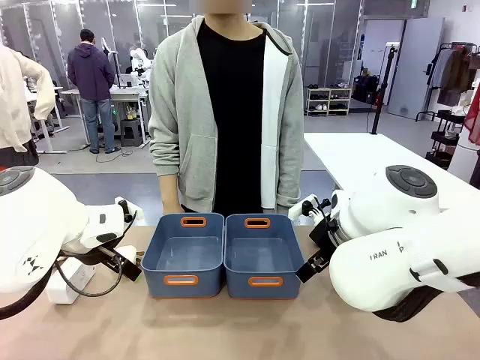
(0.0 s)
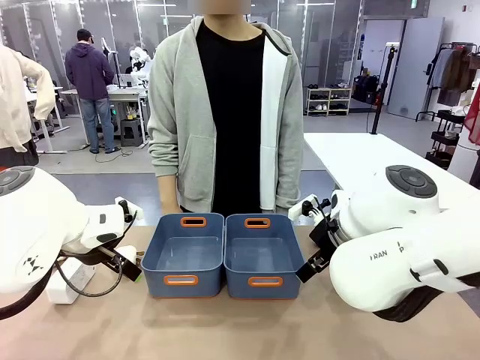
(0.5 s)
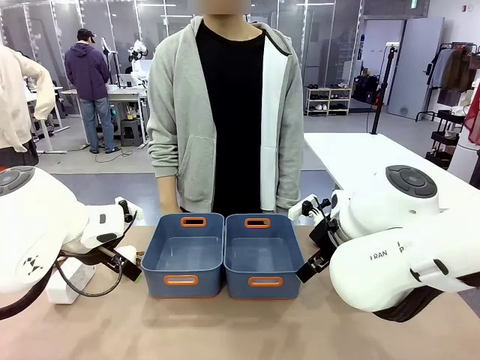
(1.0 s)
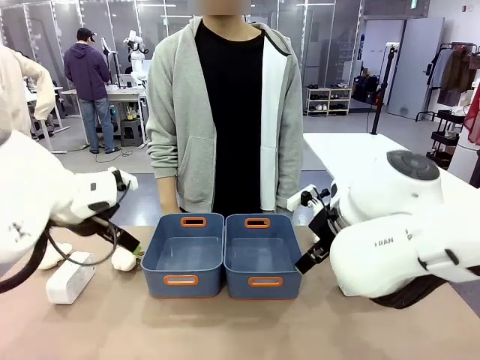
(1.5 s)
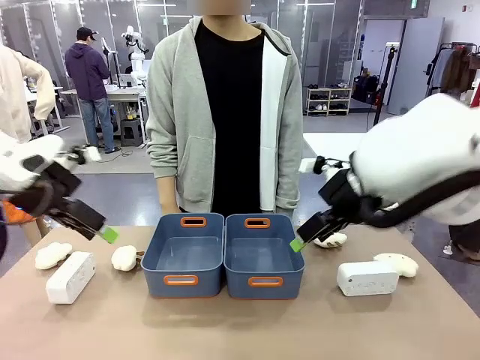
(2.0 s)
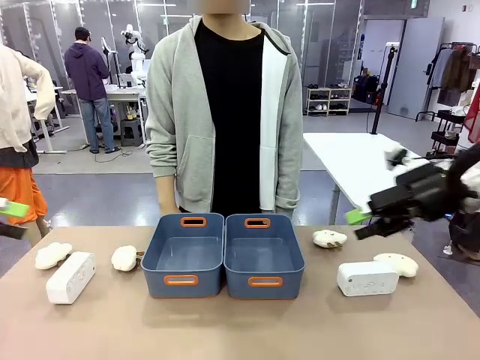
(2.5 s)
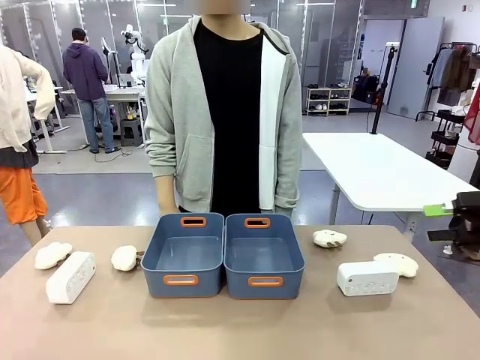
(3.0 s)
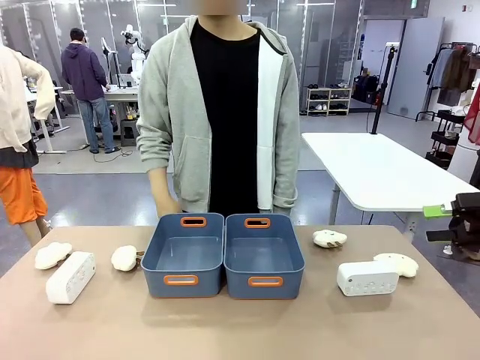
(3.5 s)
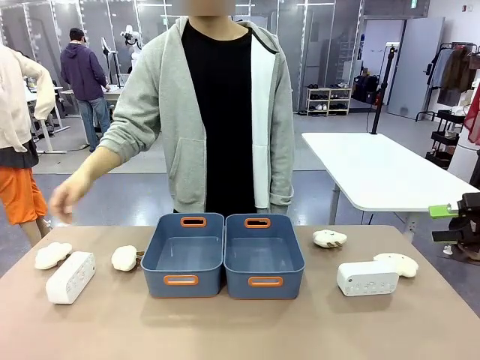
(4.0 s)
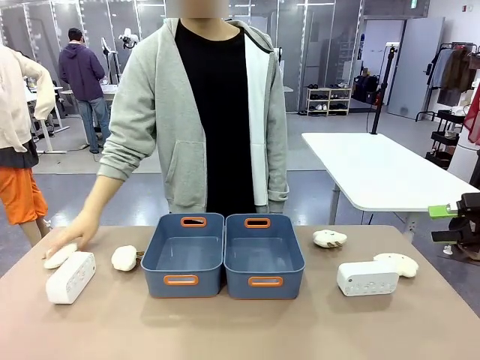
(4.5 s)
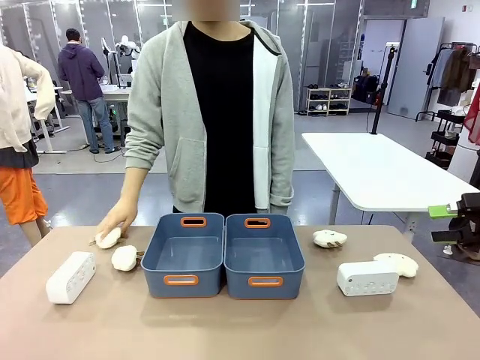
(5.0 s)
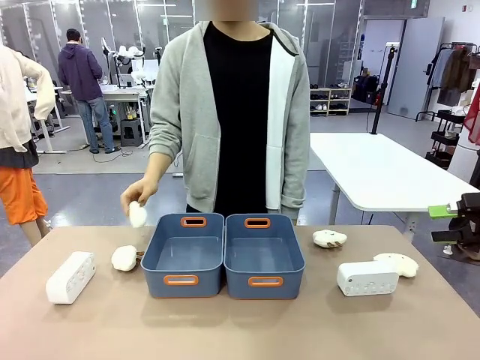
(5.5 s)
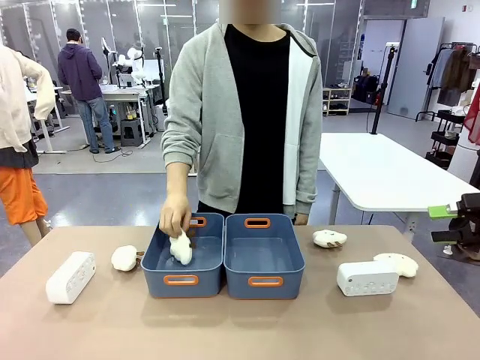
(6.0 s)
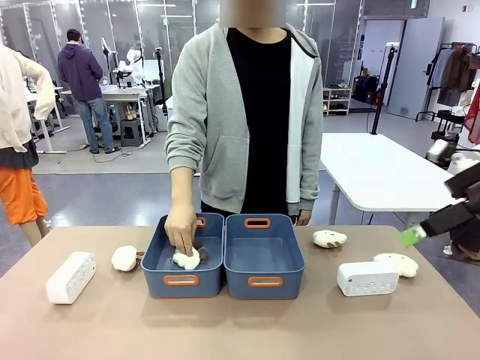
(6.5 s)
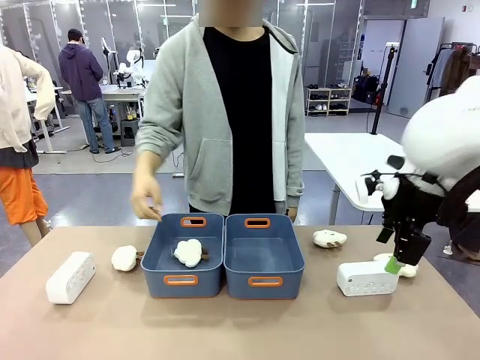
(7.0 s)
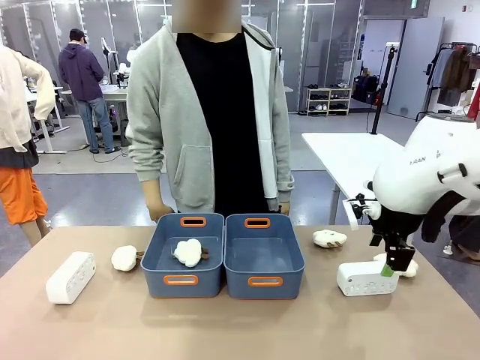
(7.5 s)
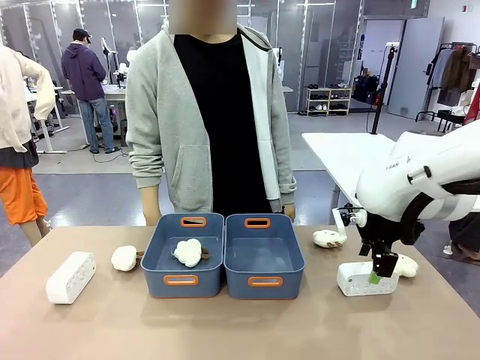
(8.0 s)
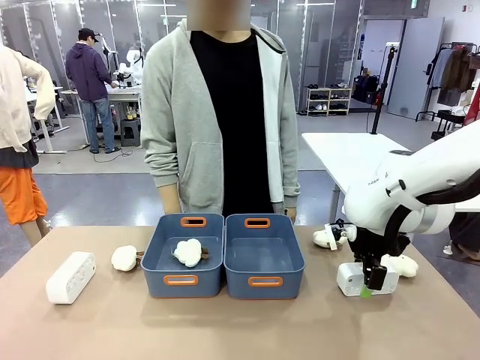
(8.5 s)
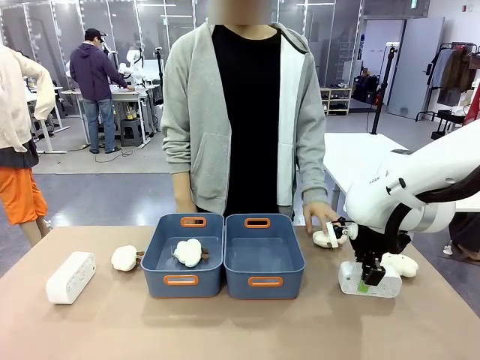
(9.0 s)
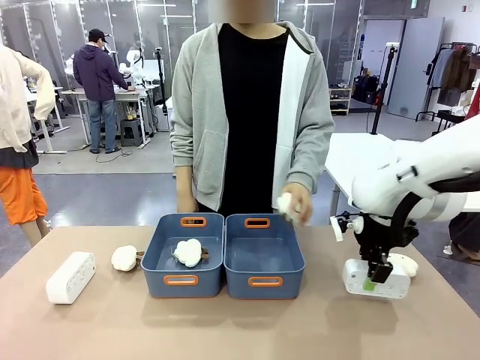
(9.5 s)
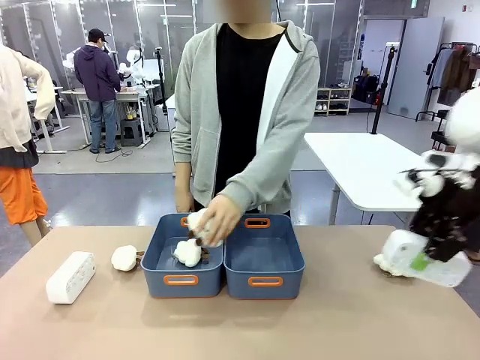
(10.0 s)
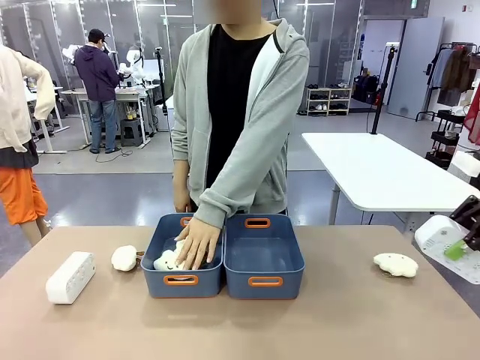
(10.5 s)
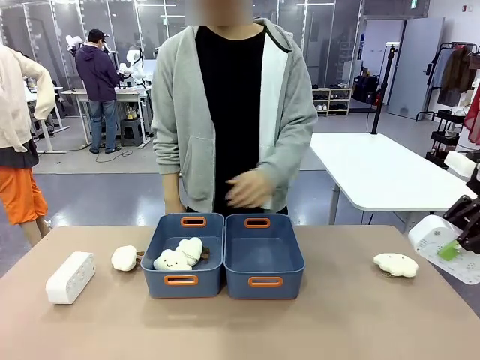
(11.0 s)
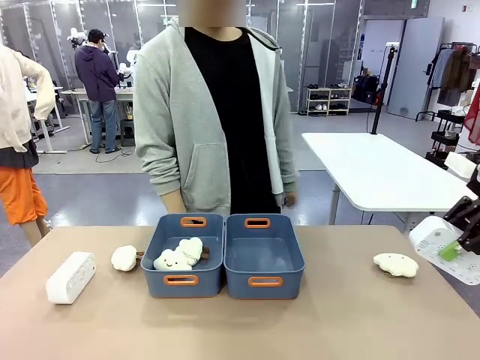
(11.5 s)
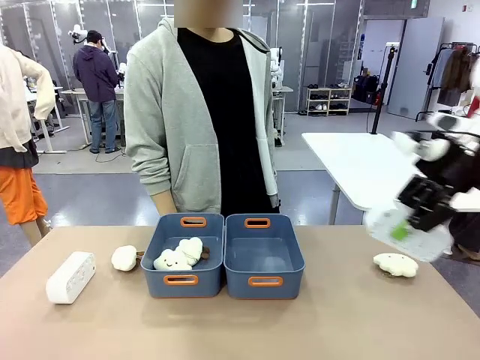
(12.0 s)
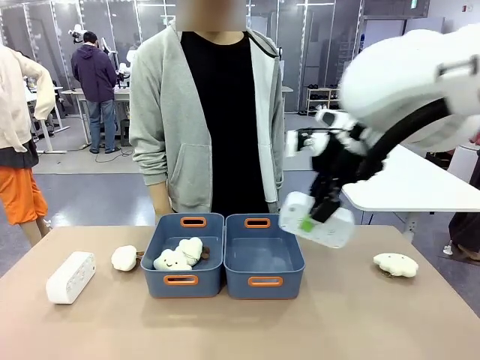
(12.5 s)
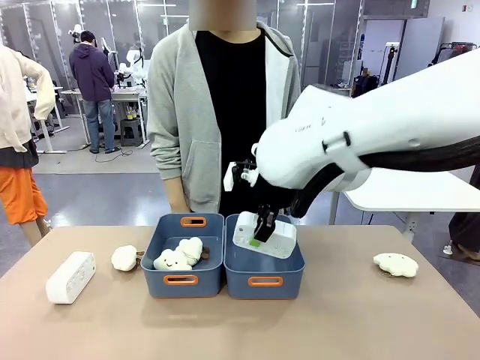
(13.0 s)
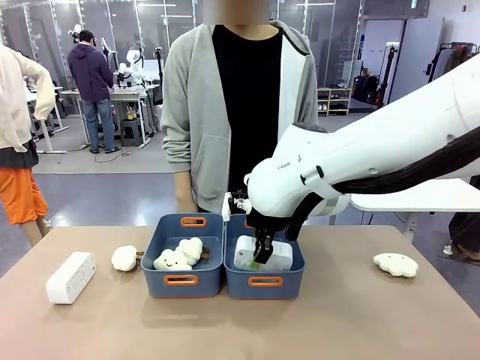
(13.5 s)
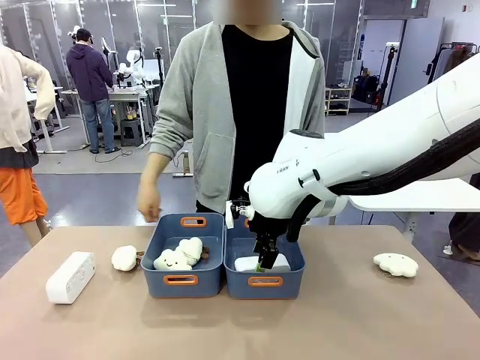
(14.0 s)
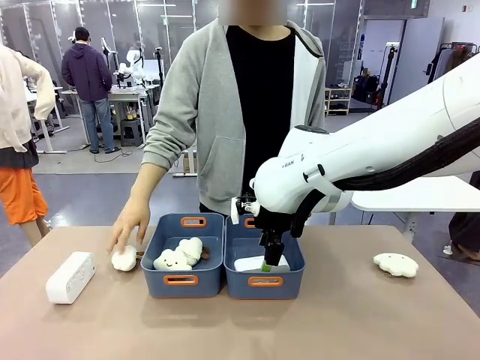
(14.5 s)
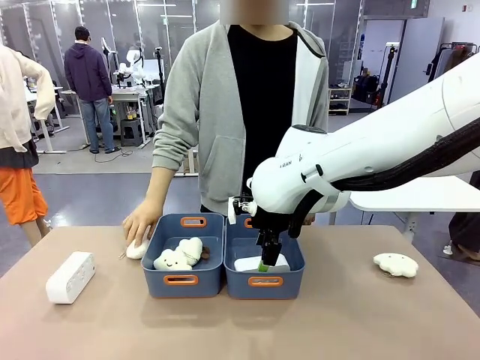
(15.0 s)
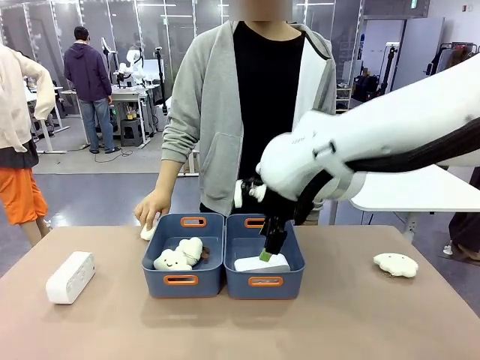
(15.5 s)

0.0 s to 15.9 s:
Task: Sort the digital clocks into the basket.
Robot: Pick up the Digital clock from the table and place it into the empty Plastic storage basket.
Person: Pick up a plush toy from the table and place it in a plastic storage basket.

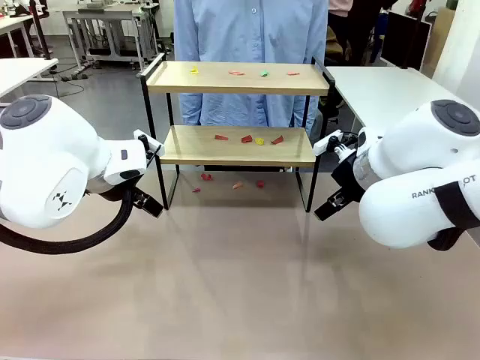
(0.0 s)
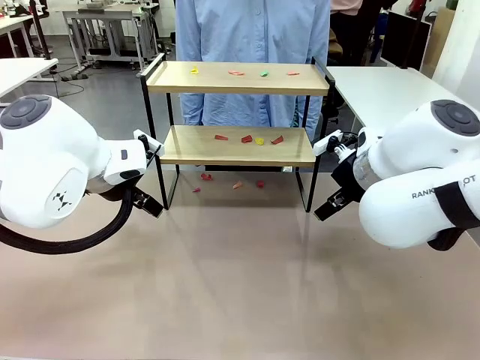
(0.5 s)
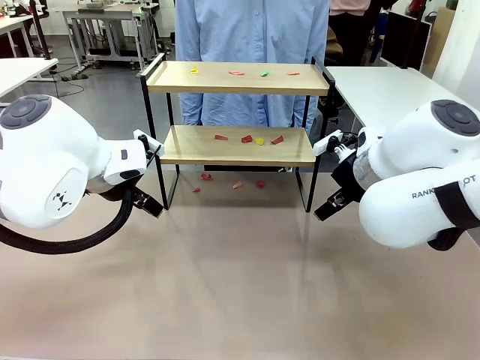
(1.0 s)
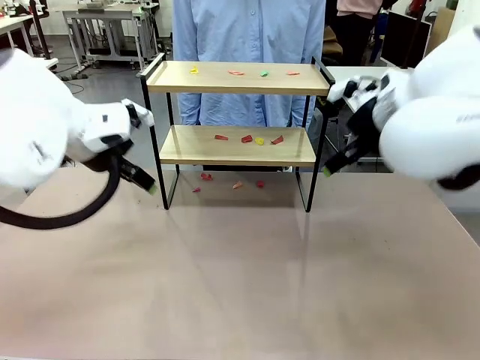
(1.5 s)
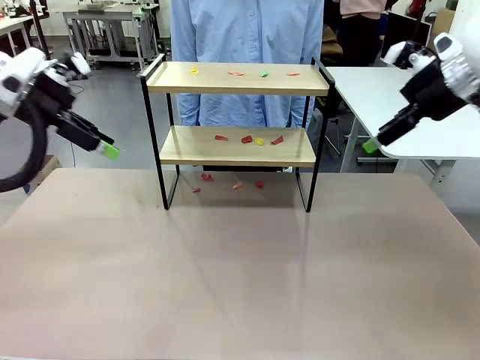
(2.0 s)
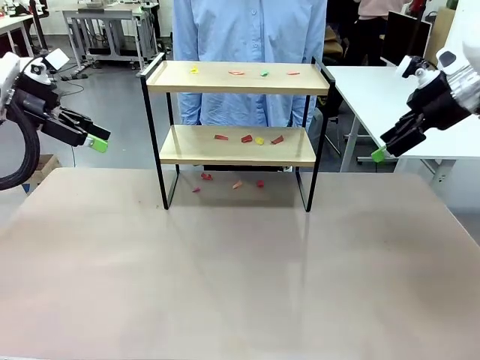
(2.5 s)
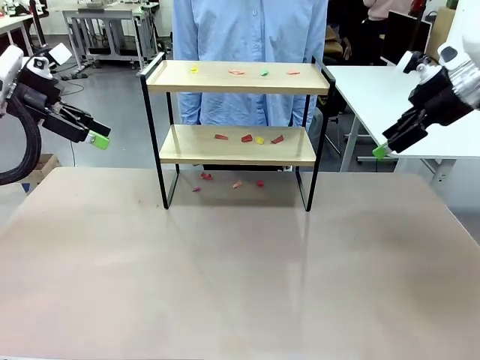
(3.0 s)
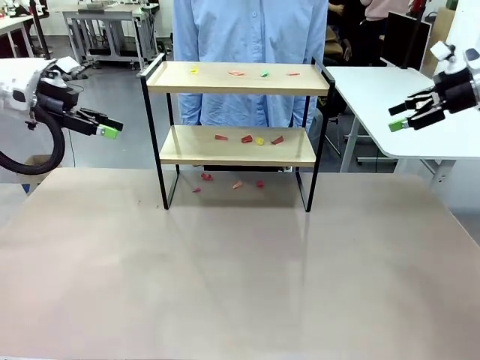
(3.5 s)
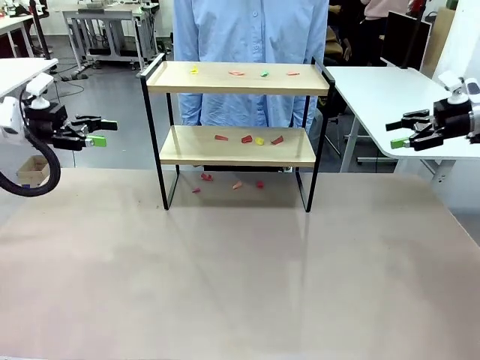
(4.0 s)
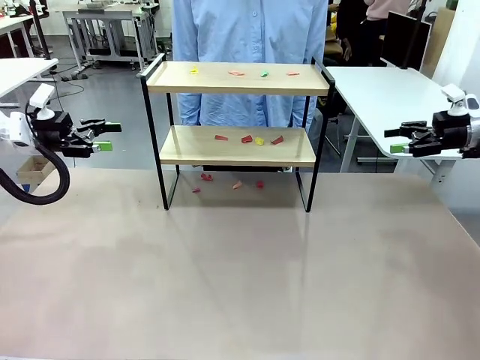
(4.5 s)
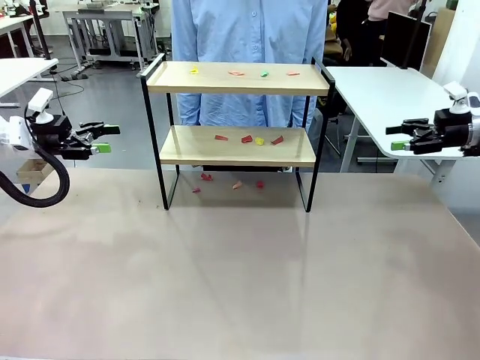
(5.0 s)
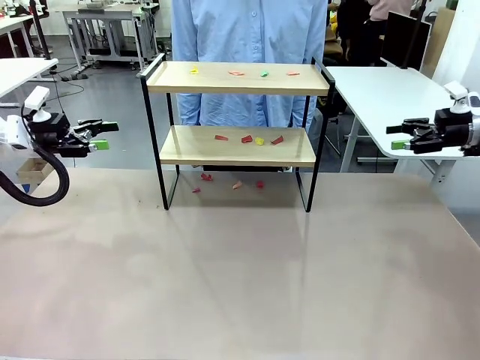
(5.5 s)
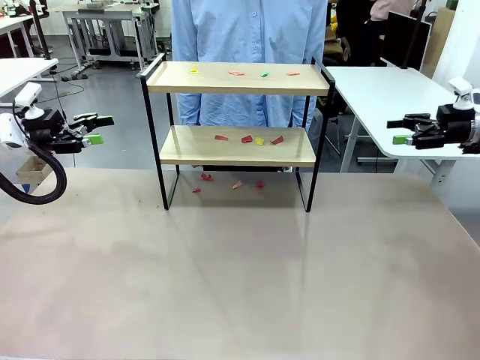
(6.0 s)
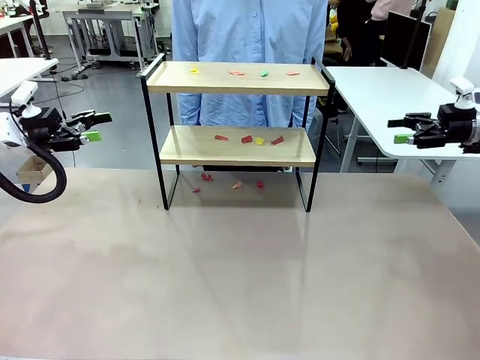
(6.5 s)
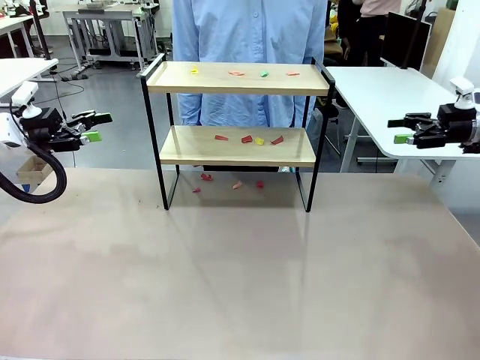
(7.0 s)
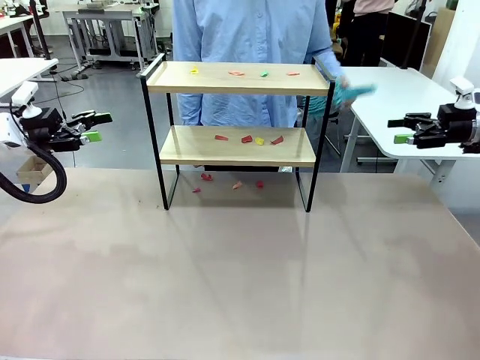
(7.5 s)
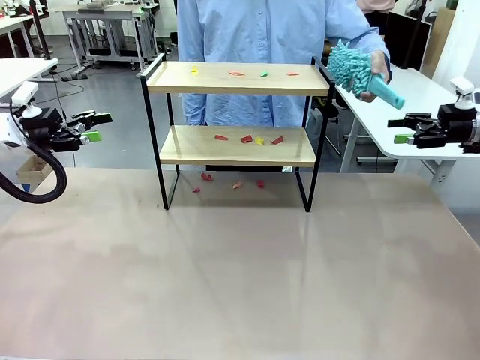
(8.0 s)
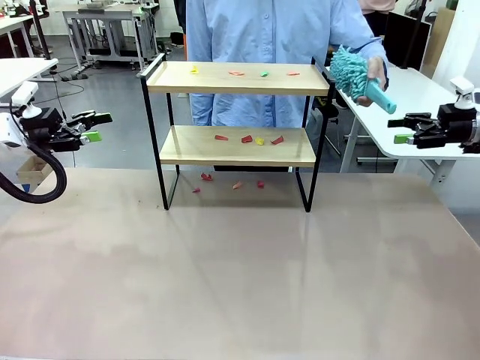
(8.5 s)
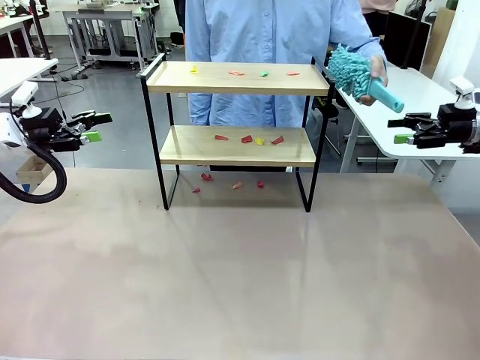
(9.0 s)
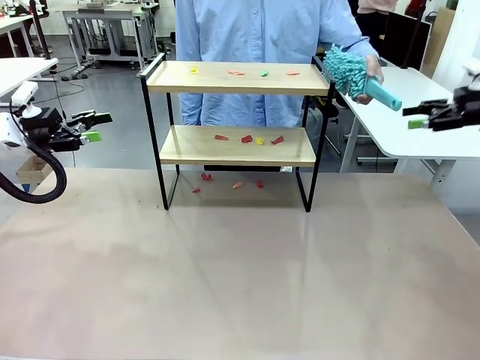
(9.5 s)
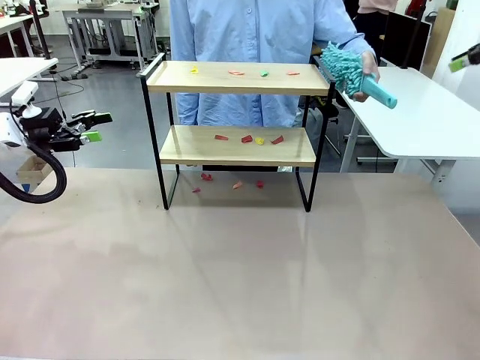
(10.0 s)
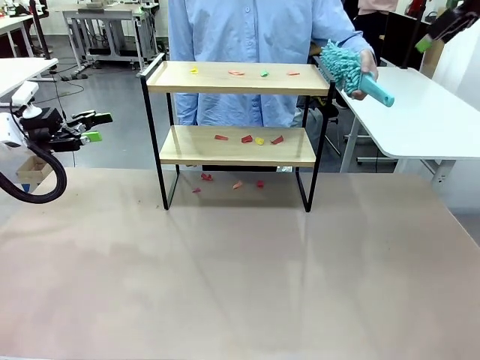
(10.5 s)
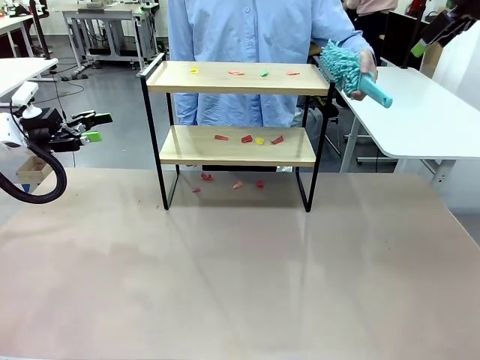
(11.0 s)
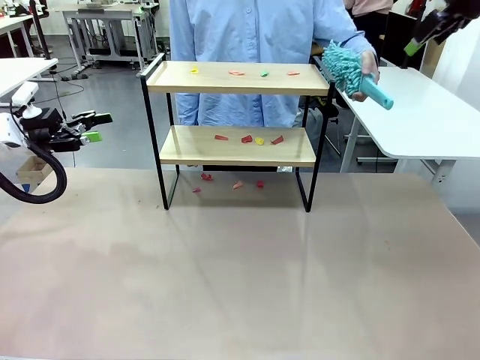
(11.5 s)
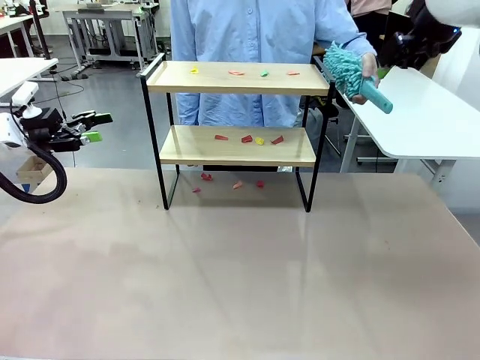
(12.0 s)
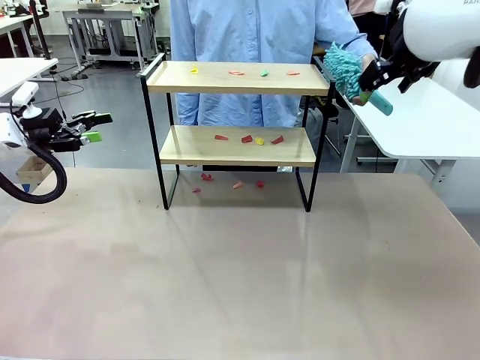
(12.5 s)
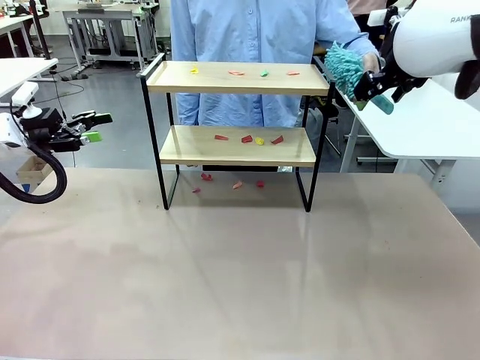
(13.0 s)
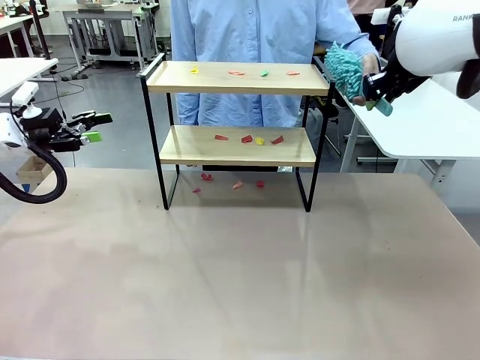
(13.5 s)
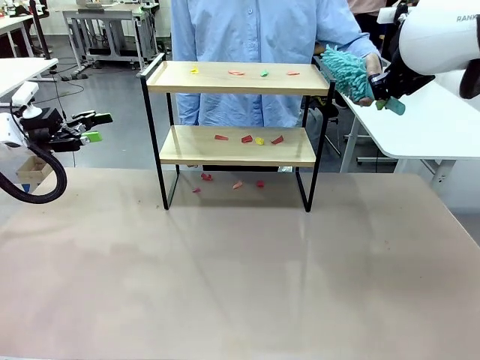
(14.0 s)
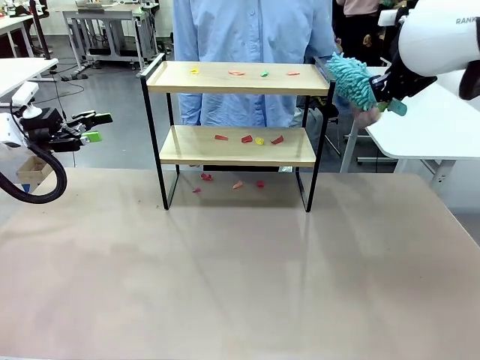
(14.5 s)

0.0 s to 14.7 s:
Task: Clean the shelf.
Robot: Pick up the Duster handed by the human.
Person: Hand the Duster to the robot.
